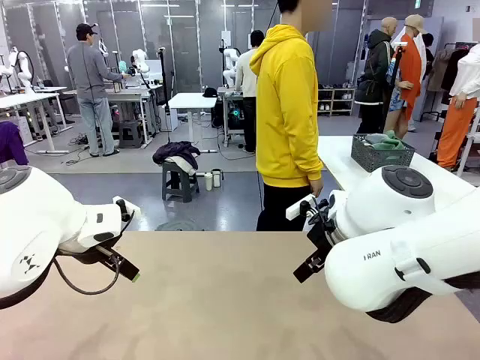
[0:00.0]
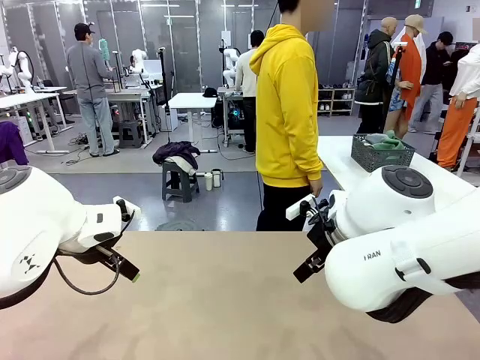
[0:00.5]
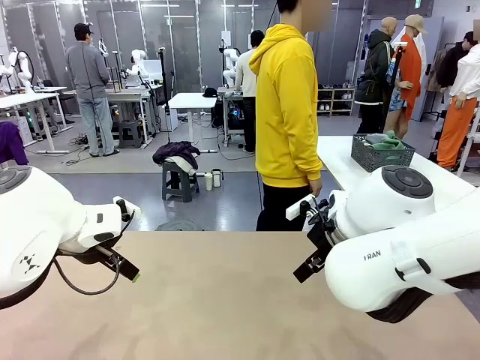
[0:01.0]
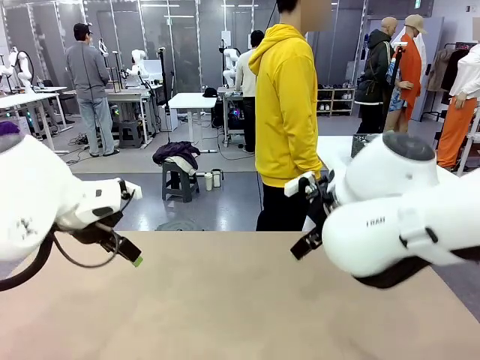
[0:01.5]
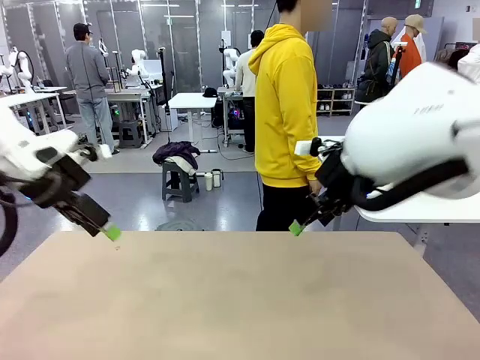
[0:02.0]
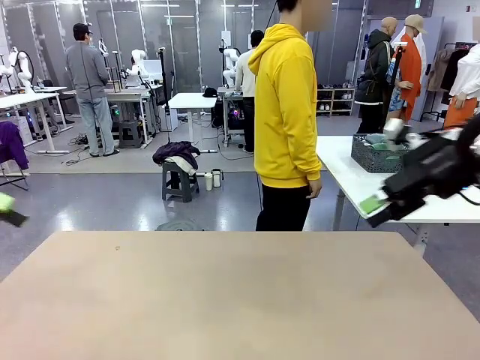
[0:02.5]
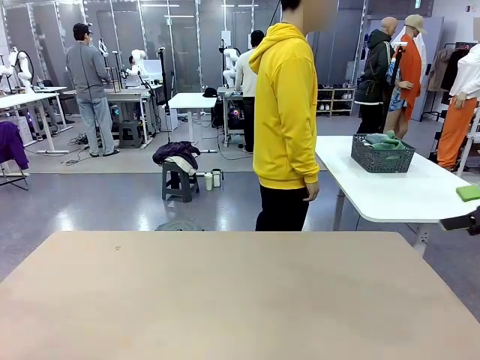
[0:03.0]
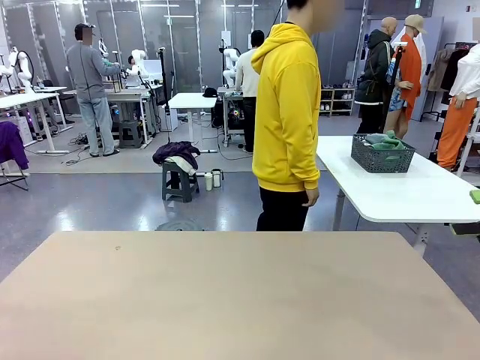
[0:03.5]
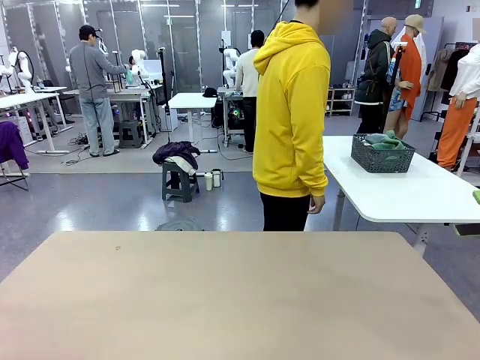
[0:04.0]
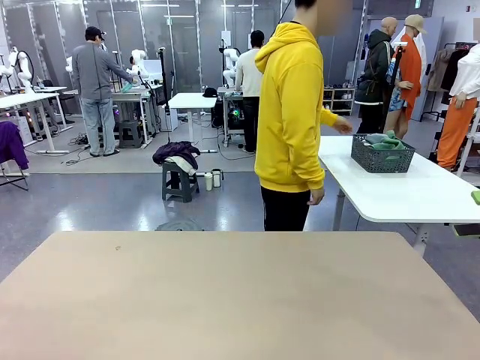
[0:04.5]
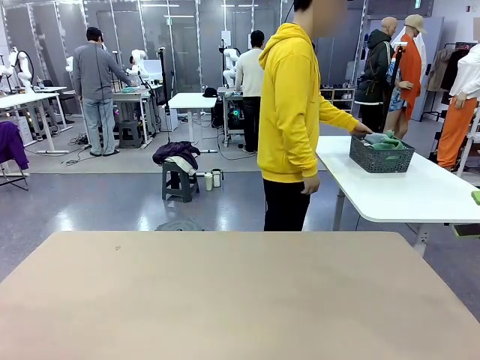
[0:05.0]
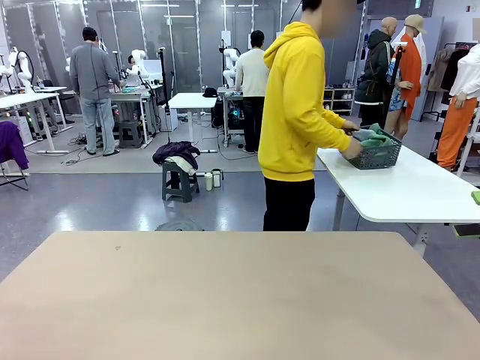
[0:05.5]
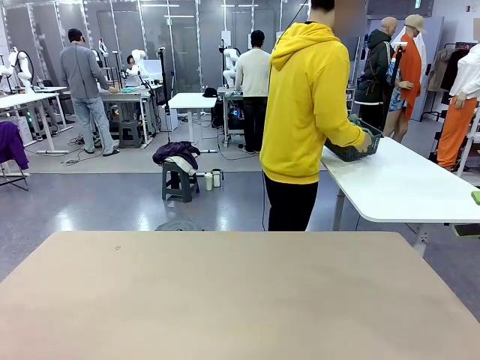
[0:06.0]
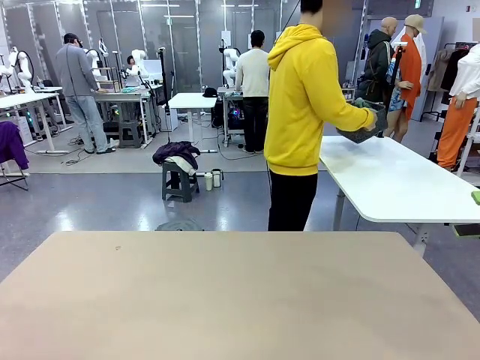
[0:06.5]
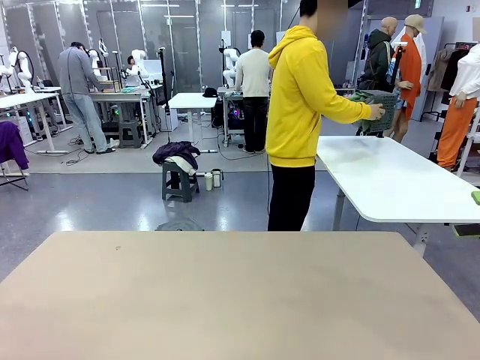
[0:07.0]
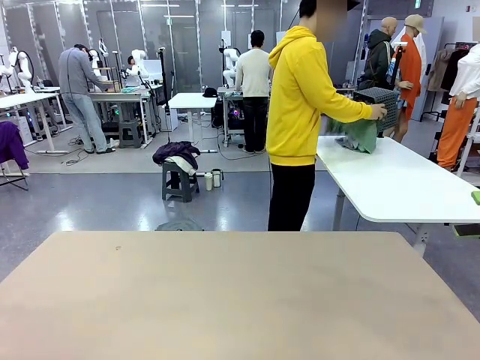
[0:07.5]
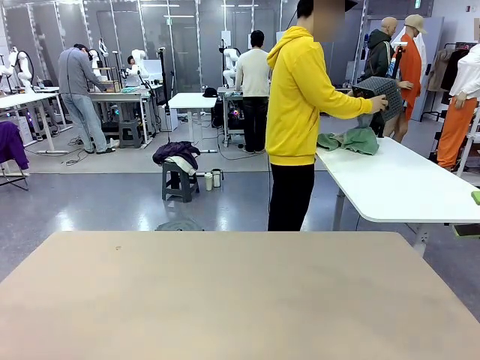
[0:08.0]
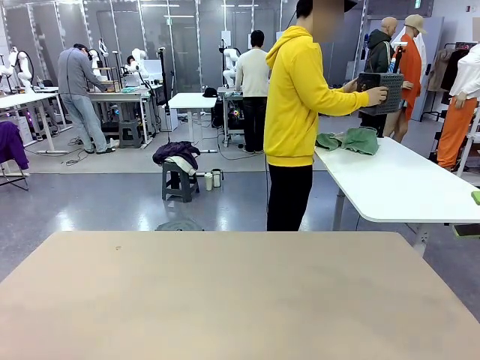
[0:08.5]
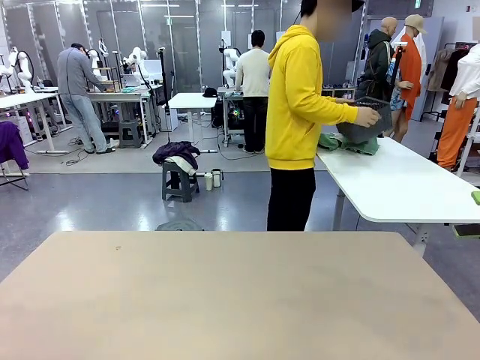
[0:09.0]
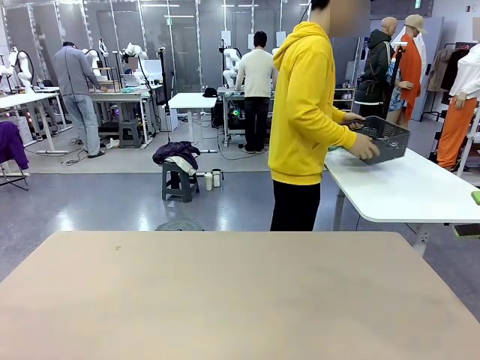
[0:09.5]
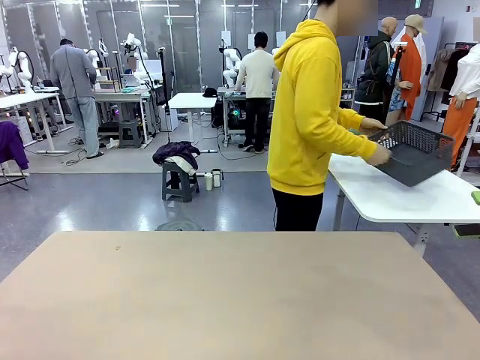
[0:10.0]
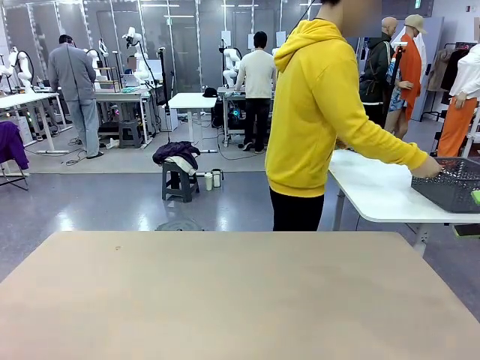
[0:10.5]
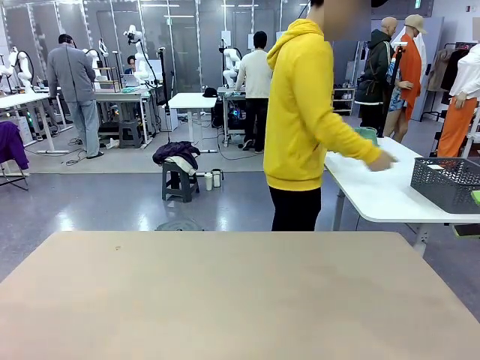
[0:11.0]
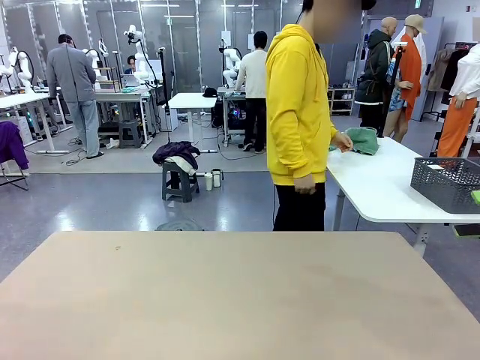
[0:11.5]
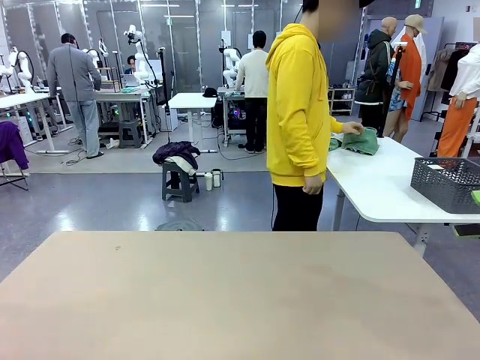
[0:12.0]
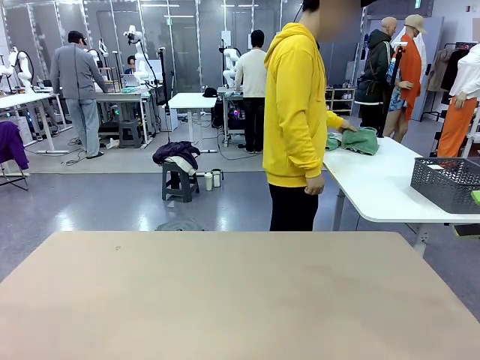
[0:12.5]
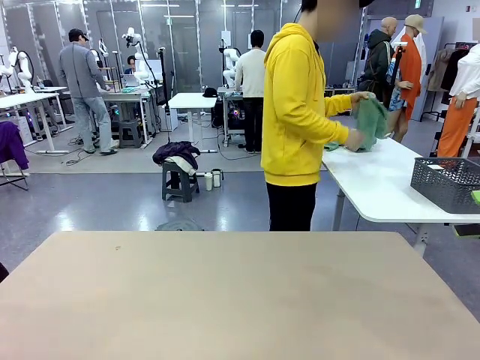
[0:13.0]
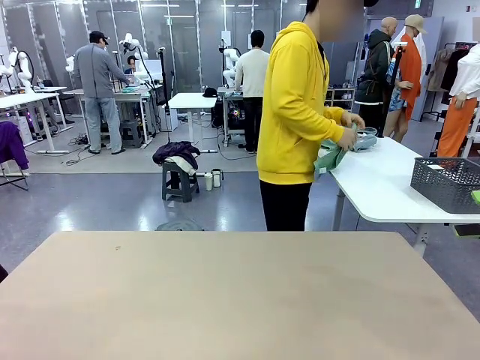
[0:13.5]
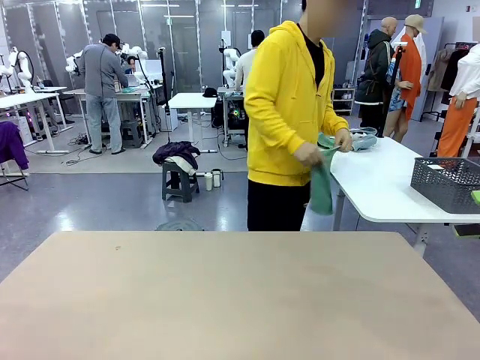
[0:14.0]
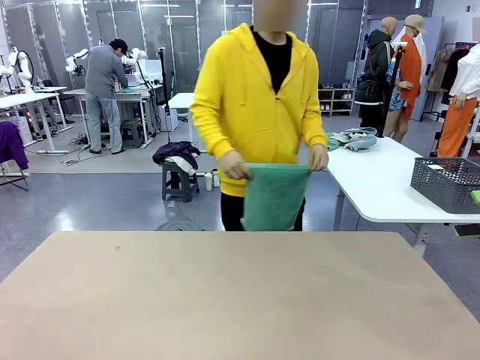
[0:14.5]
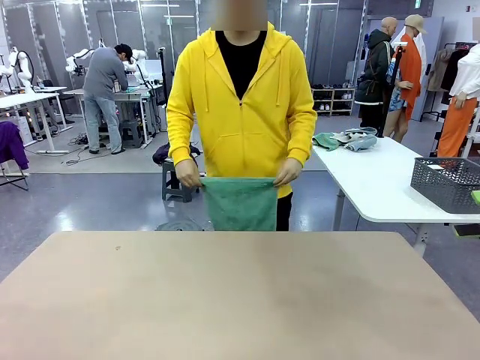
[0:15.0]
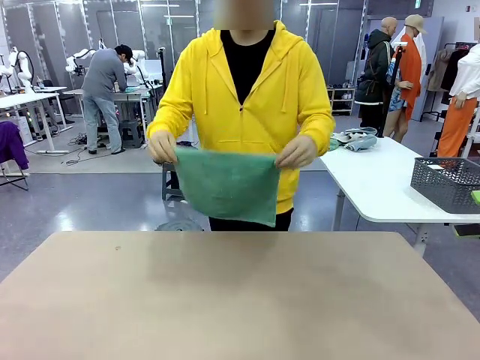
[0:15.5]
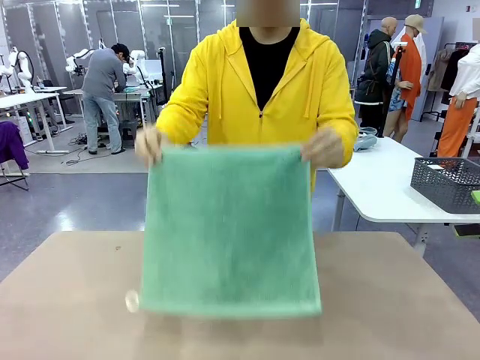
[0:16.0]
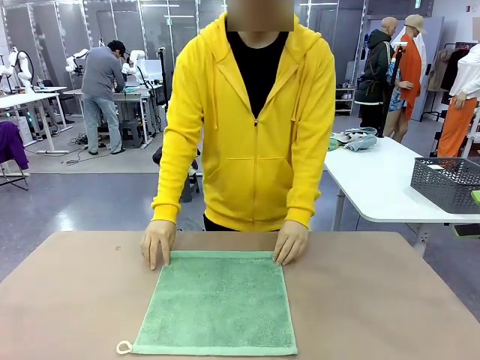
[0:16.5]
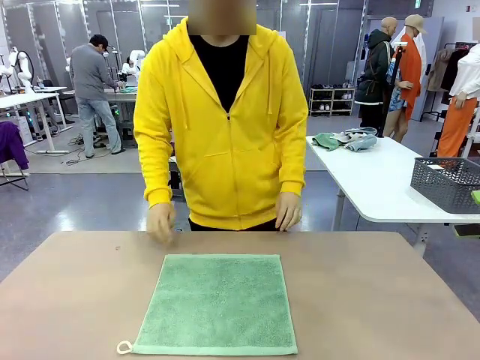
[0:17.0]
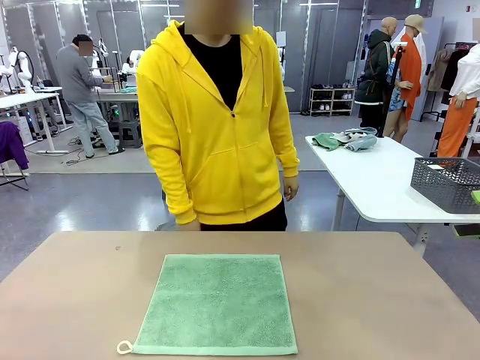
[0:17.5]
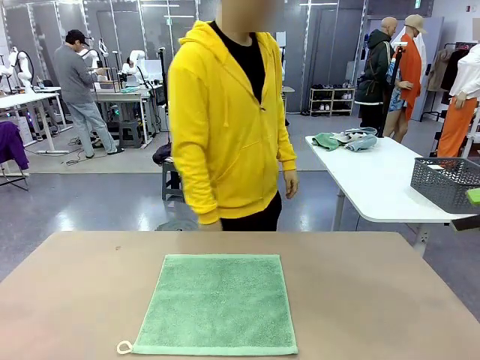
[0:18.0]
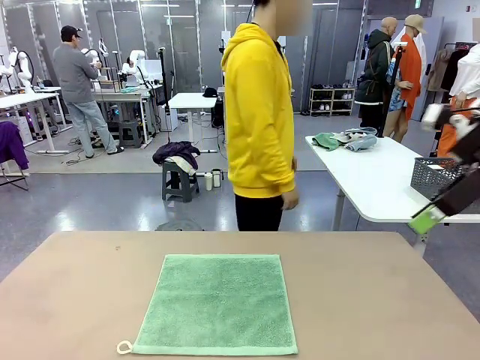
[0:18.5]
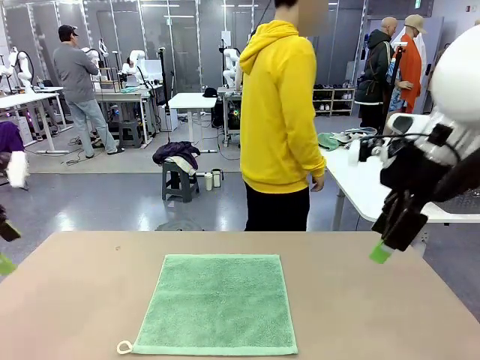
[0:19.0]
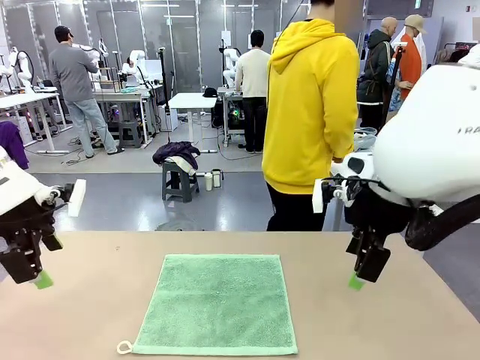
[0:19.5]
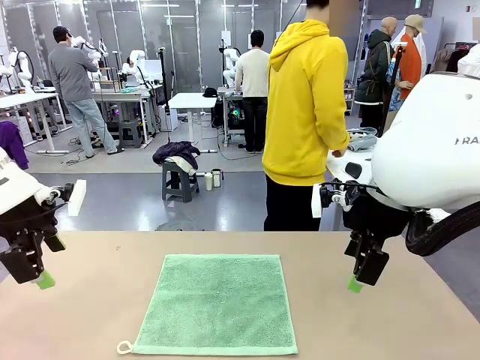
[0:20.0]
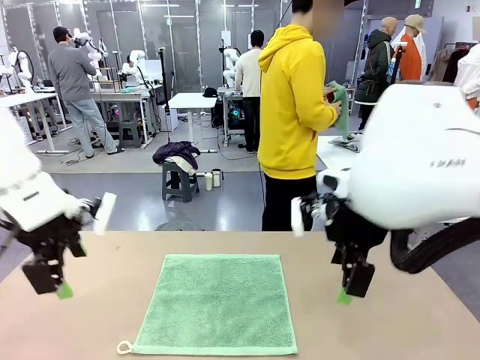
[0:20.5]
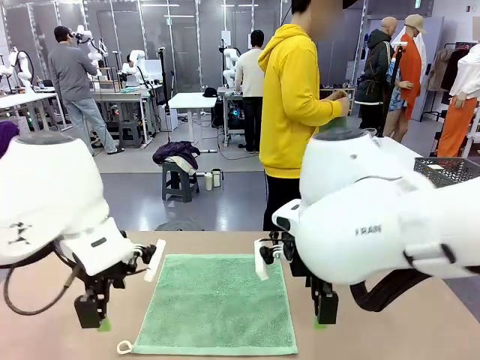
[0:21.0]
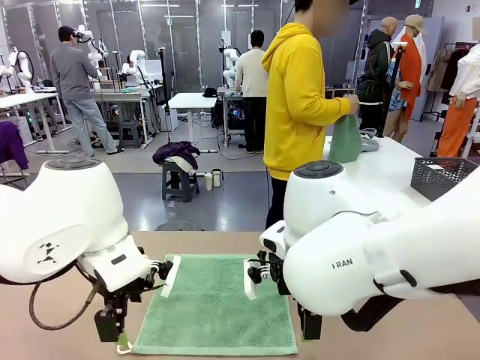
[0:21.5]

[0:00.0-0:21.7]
Task: Fold the towels and place them in the basket.
Robot: When a person lays out a Towel with hook on the table, fold it in half twice.
Person: Pick up the basket, pour the towels onto the left side of the human table, and place the basket on the right side. Pick up one towel and spread it out at the center of the robot table.
